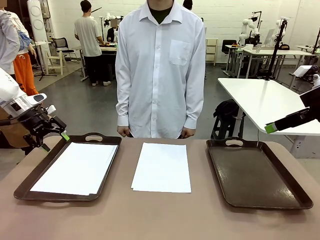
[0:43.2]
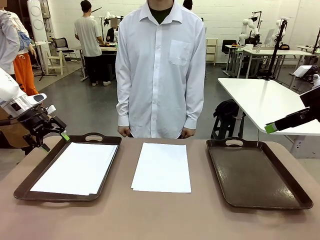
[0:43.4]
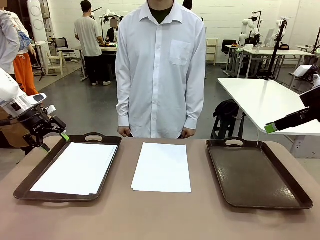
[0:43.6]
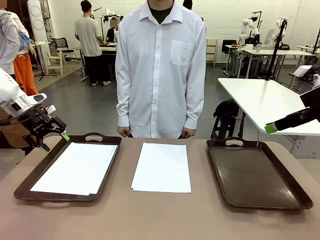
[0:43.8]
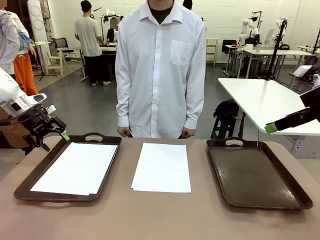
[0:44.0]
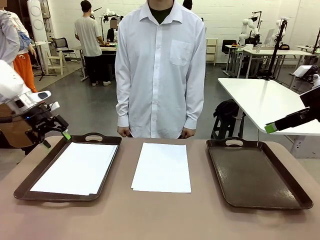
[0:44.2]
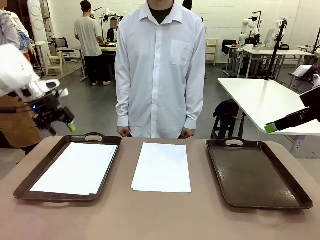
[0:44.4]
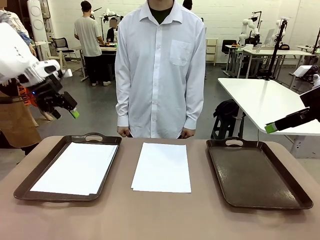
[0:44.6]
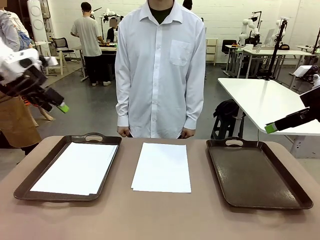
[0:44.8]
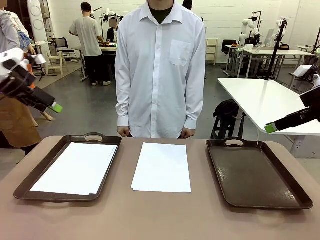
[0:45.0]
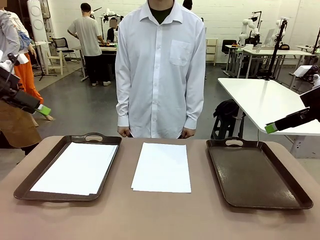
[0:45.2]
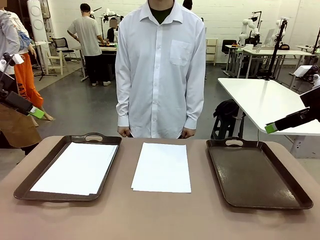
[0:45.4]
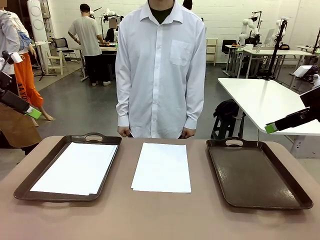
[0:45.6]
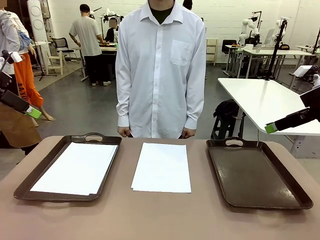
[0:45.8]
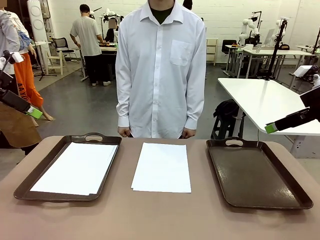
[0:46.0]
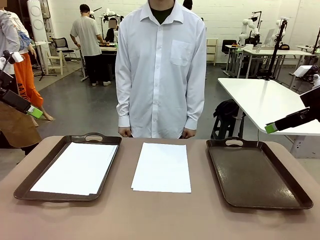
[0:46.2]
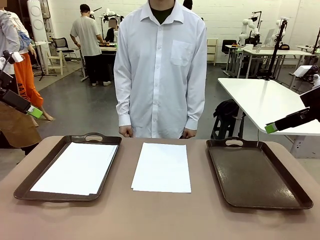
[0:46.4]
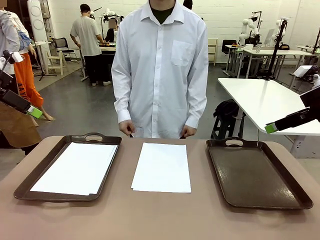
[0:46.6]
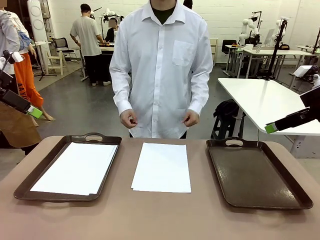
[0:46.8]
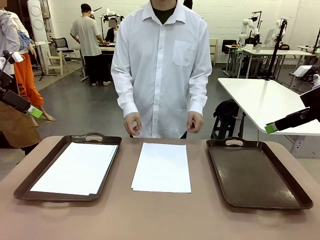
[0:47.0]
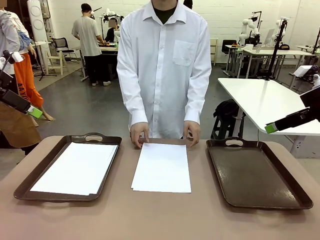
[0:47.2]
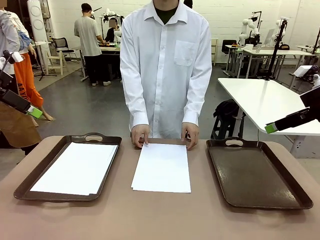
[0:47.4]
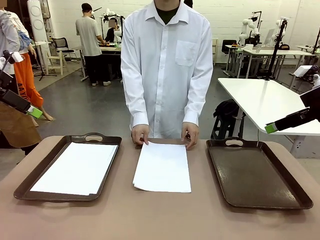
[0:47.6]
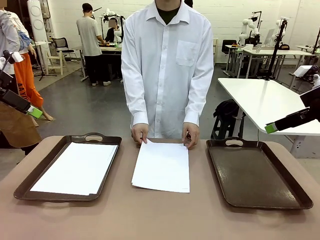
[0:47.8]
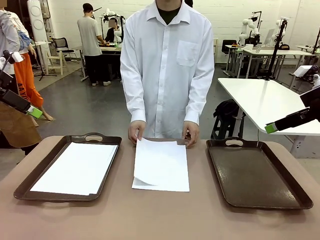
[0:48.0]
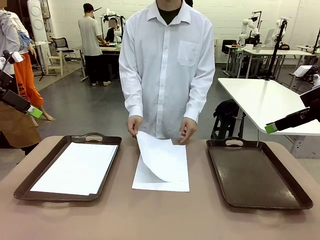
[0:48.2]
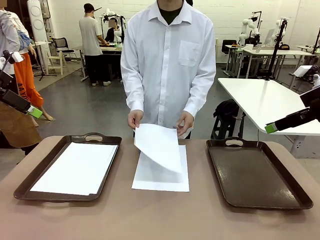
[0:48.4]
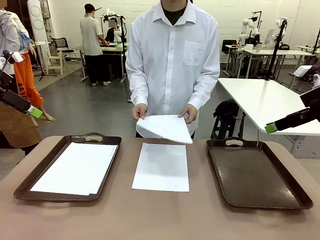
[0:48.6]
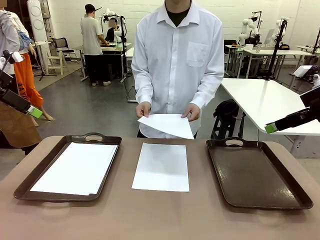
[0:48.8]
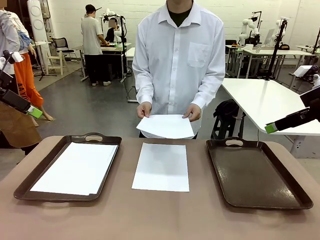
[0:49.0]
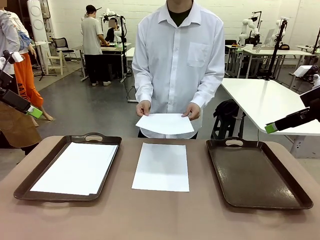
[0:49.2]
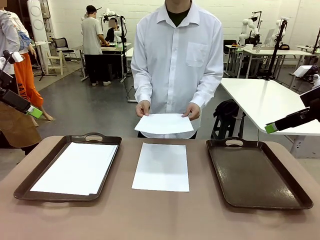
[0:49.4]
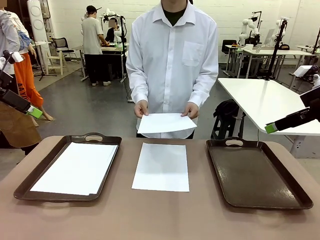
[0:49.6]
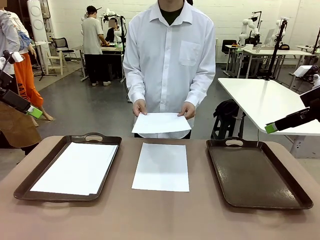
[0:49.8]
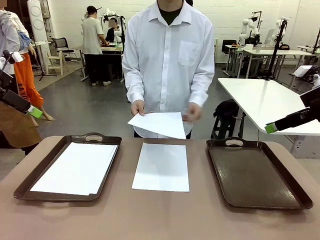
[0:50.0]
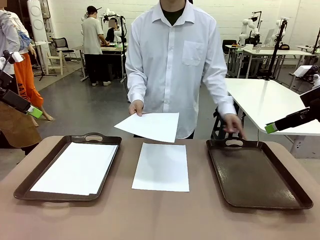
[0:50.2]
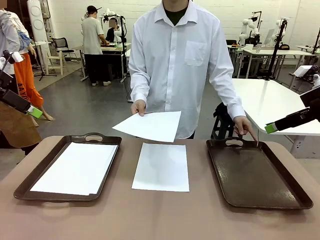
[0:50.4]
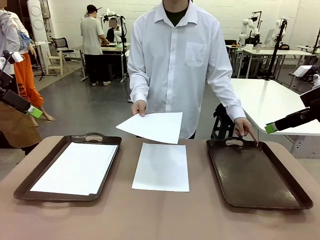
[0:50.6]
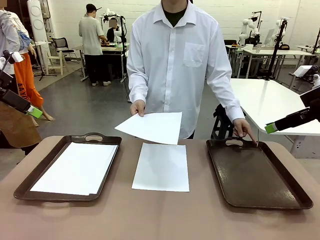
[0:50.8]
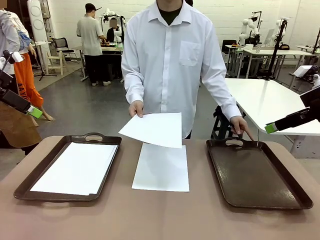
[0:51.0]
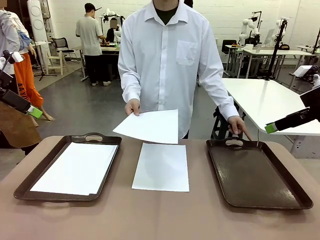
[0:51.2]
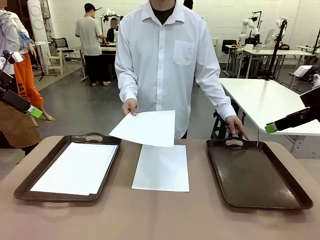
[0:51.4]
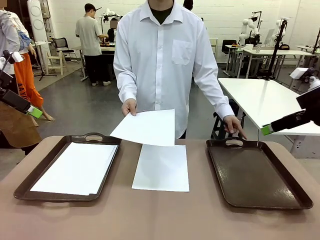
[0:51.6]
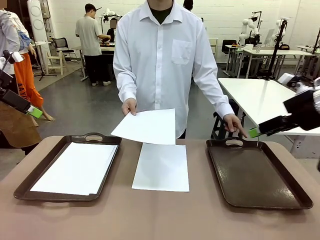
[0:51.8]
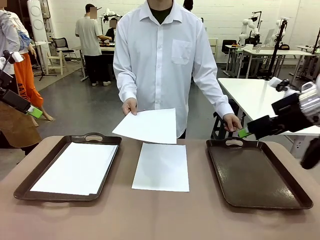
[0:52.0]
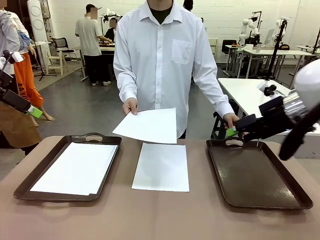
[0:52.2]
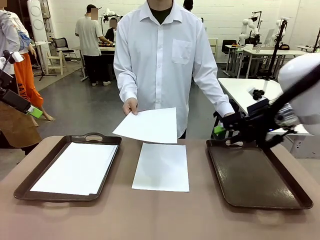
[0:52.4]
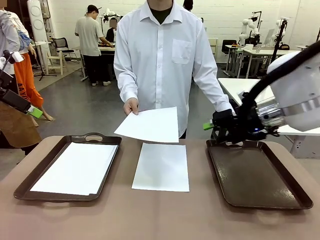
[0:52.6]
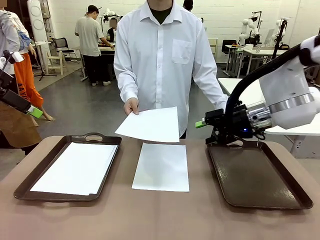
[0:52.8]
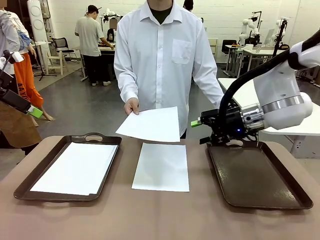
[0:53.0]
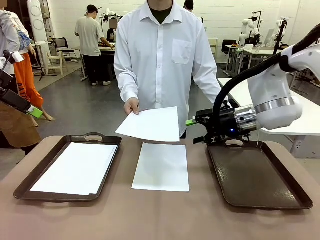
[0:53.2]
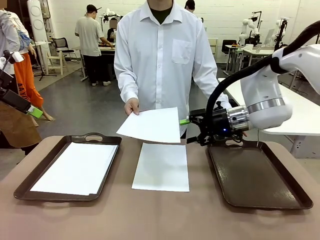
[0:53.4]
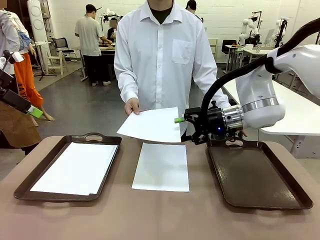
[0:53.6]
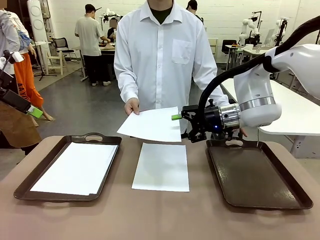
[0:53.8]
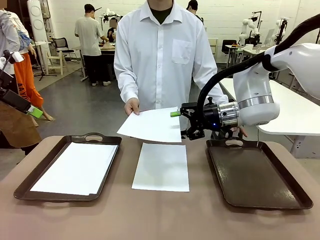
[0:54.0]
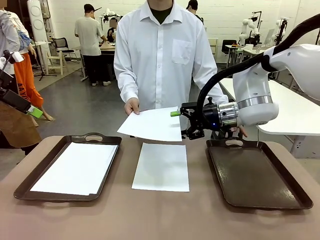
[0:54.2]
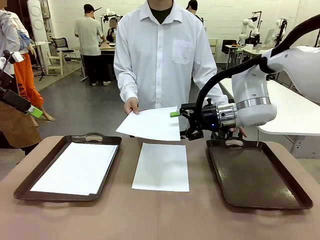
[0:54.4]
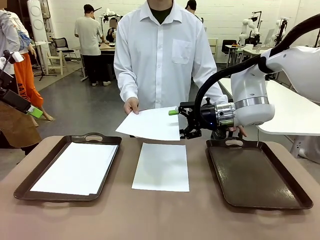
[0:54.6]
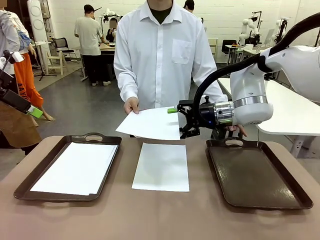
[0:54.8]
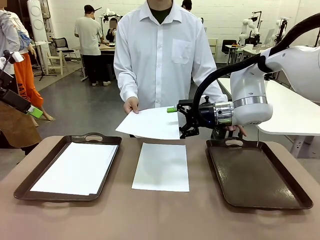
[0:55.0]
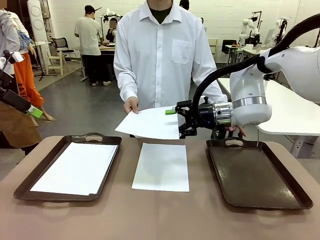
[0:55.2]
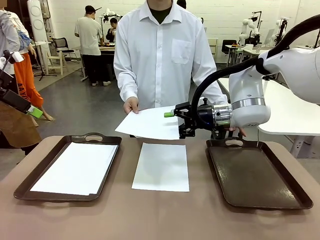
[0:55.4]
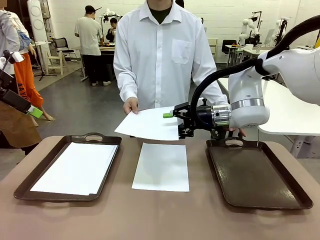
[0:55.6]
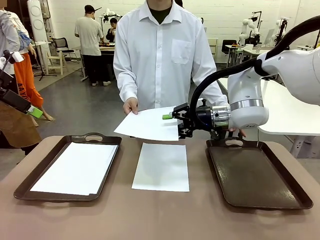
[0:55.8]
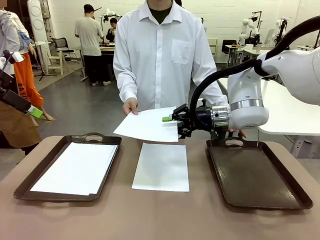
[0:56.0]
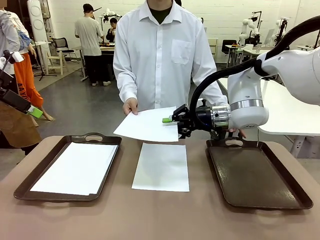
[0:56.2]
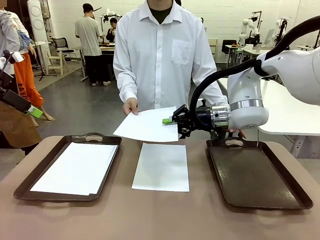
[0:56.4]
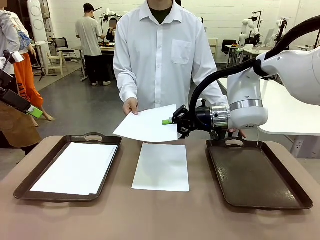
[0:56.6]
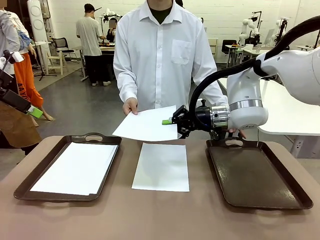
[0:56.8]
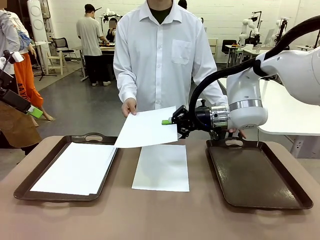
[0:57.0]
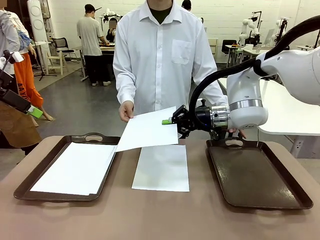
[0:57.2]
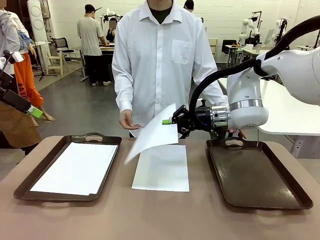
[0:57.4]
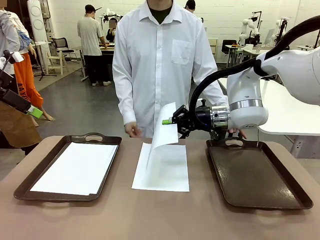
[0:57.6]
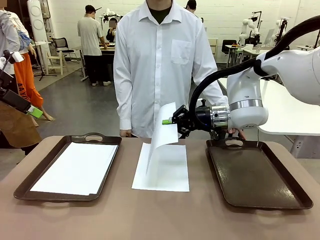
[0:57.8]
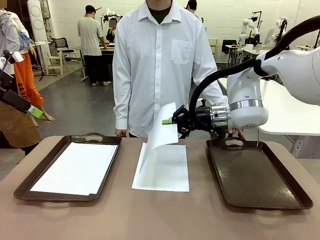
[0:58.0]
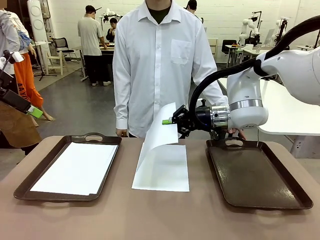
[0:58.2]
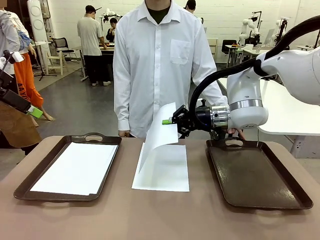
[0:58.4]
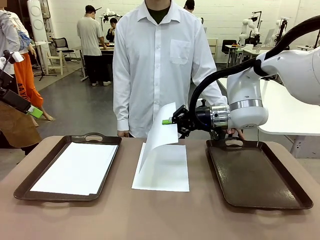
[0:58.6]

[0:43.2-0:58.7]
Task: Sort the A4 documents.
Robot: Receive the A4 Paper.
Person: Point the randomly selected tray with the other hand.

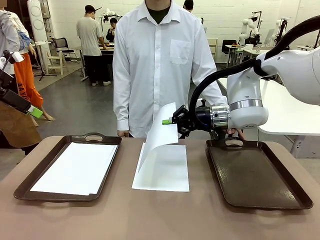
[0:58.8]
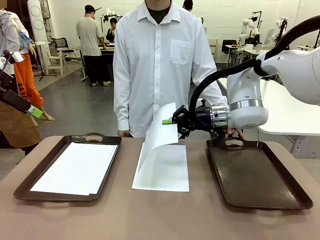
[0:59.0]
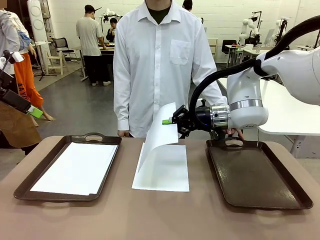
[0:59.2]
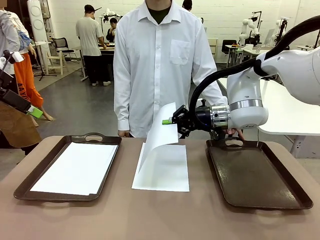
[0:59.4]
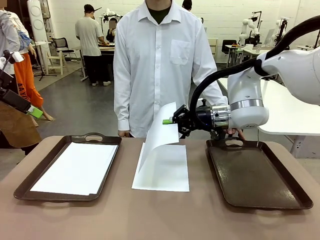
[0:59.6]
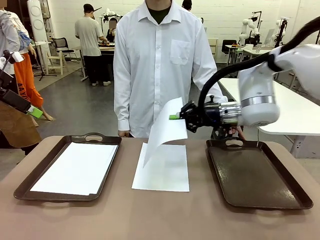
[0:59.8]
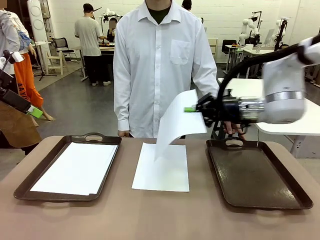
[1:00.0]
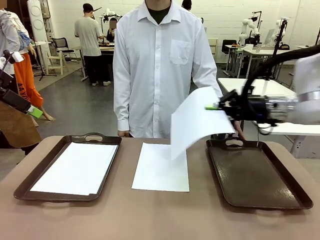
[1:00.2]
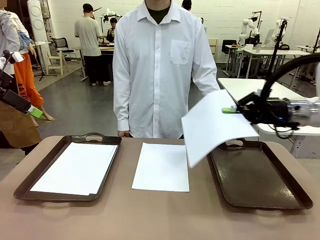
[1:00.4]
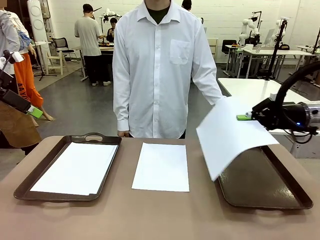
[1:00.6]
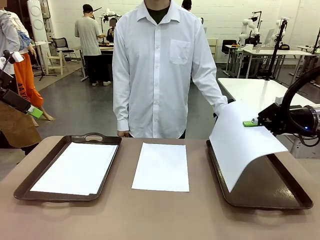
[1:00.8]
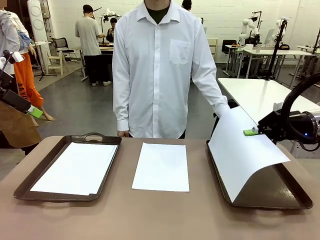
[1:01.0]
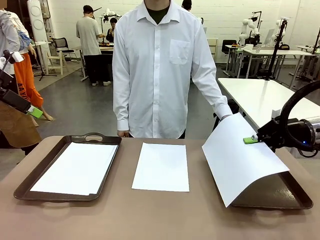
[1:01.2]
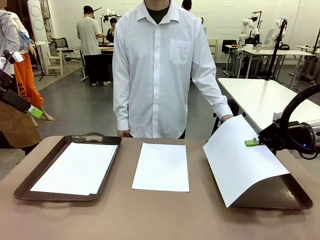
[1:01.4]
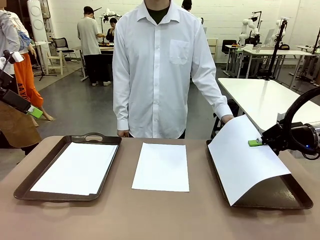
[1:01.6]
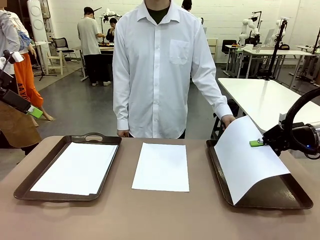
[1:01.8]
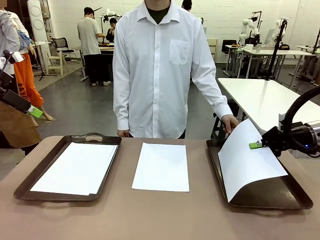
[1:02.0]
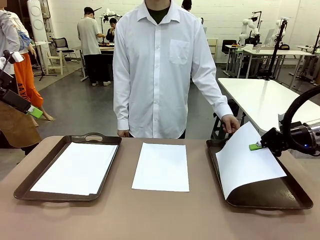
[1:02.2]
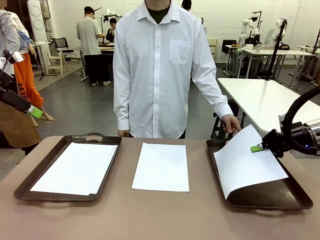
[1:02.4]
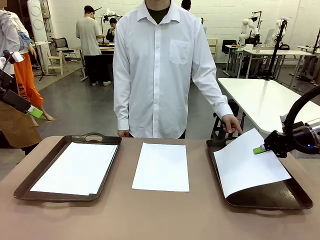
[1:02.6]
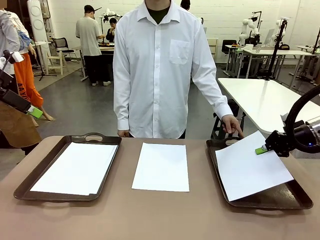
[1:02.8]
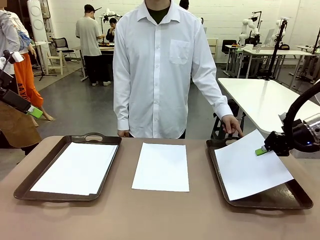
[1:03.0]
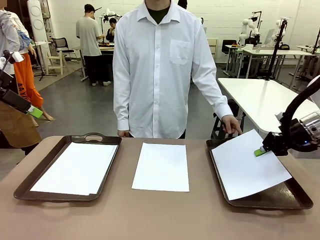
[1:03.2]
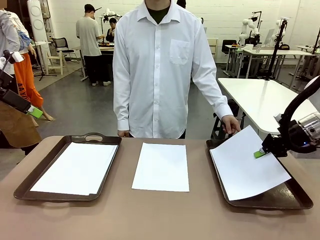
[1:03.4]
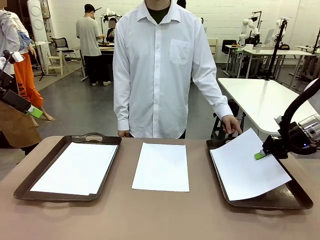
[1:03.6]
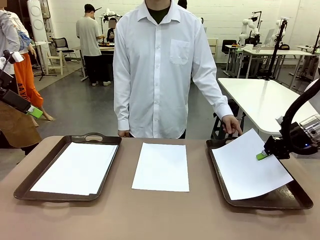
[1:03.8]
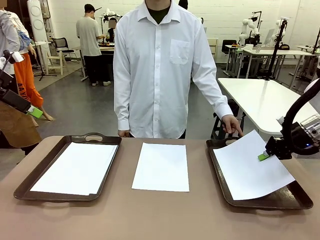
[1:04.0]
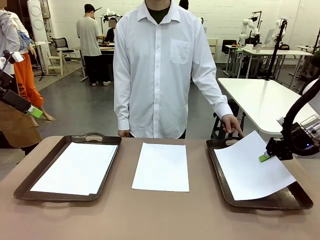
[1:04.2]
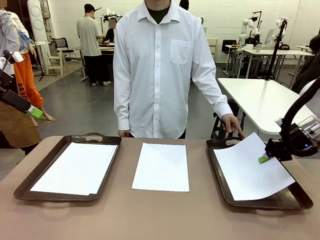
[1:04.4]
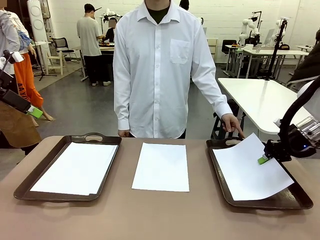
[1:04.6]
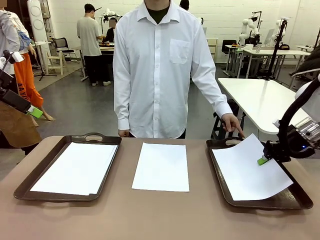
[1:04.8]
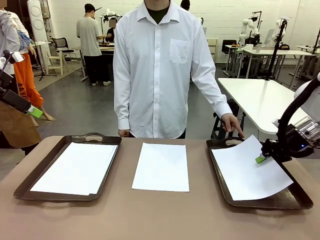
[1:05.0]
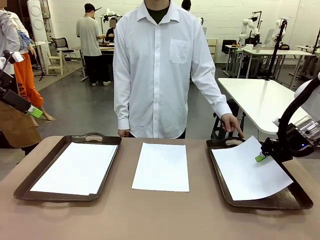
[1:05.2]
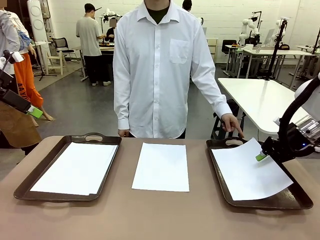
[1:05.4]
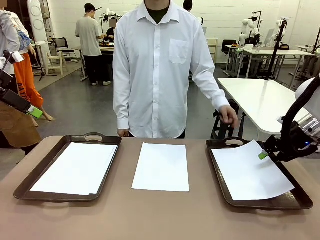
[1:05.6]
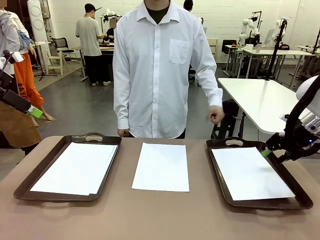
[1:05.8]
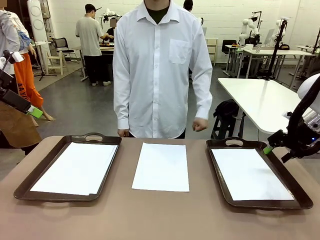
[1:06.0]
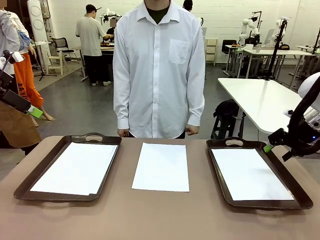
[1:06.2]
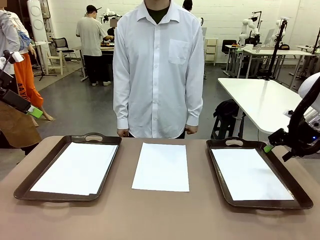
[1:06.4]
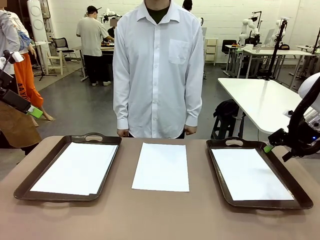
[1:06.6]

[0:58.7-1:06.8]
Robot: Place the A4 Paper in the designated Handle tray.
